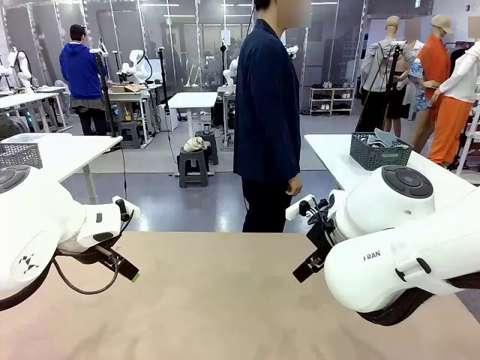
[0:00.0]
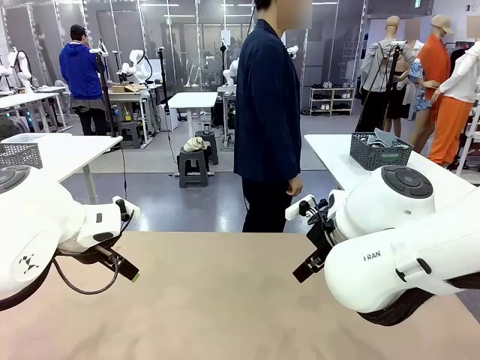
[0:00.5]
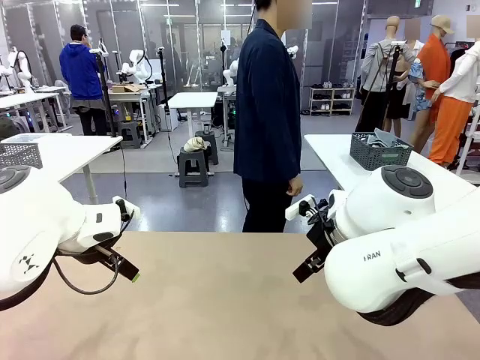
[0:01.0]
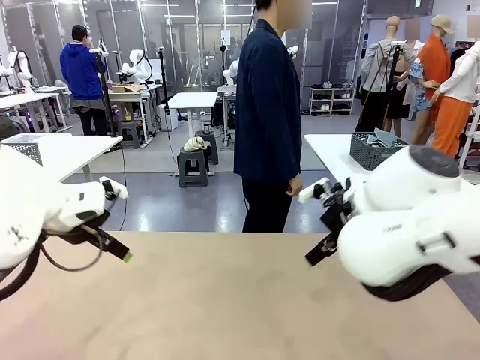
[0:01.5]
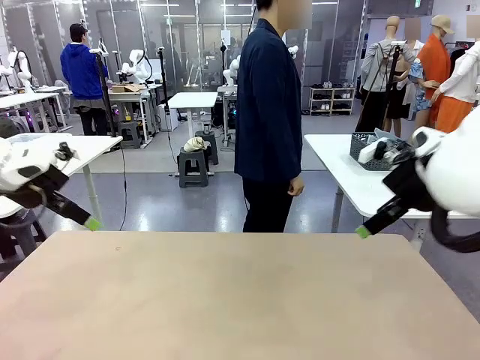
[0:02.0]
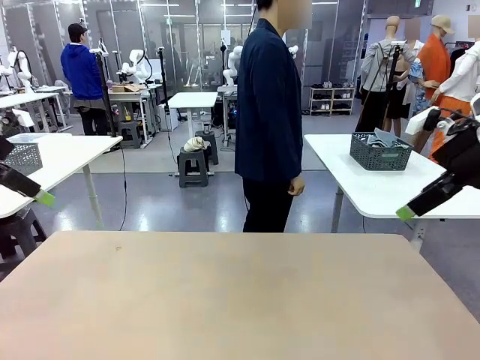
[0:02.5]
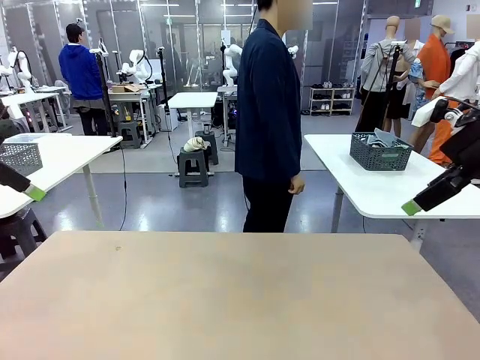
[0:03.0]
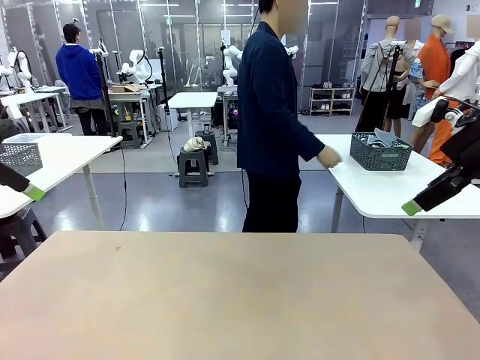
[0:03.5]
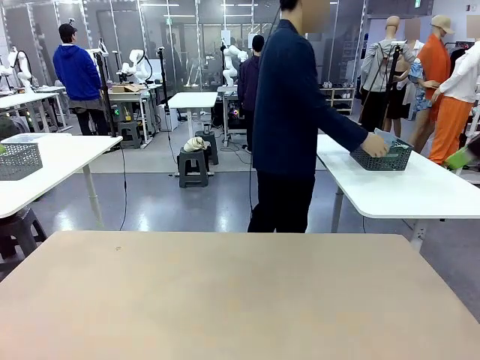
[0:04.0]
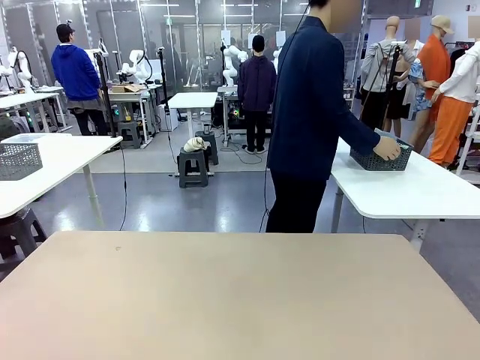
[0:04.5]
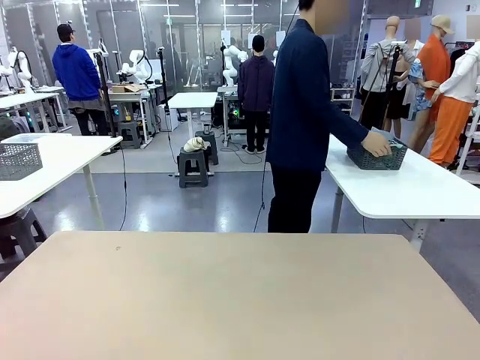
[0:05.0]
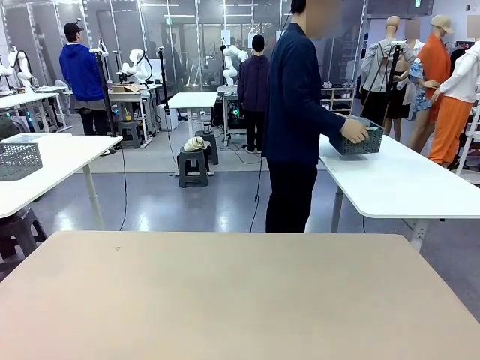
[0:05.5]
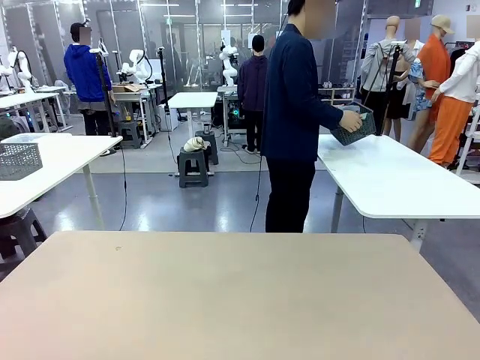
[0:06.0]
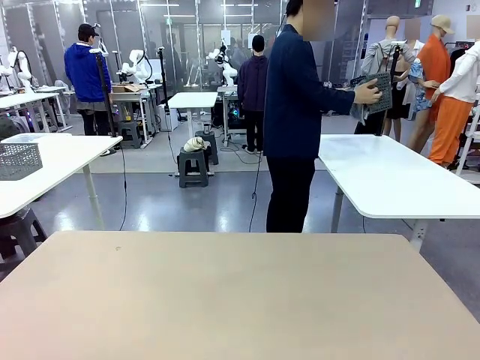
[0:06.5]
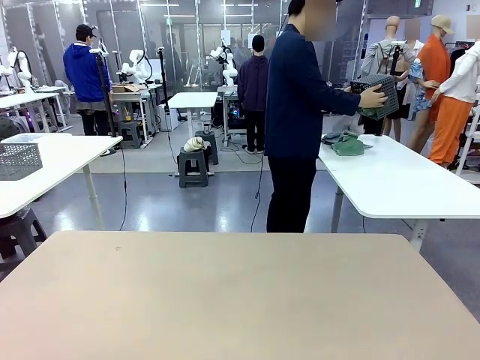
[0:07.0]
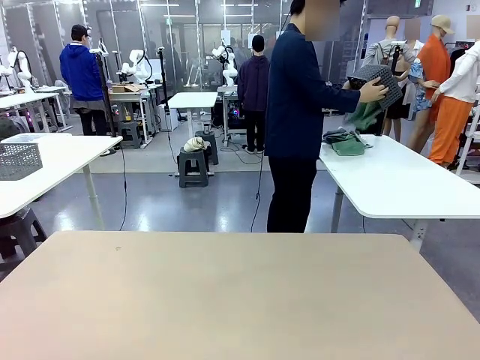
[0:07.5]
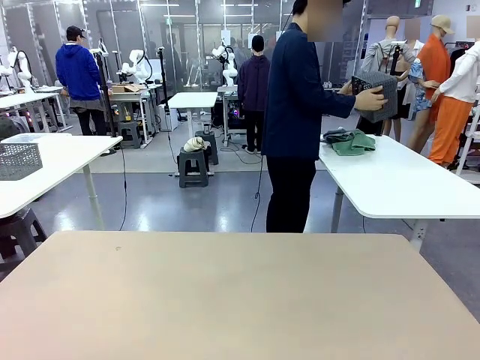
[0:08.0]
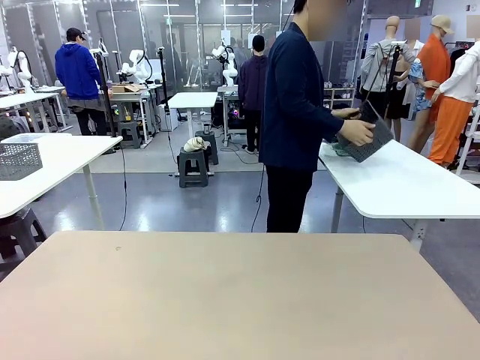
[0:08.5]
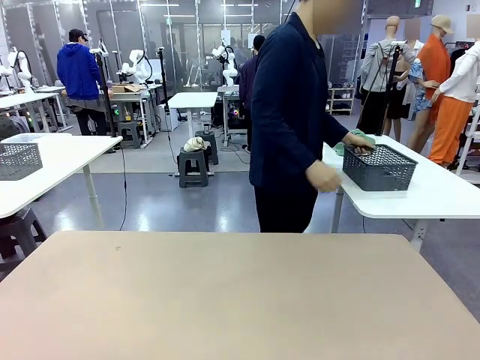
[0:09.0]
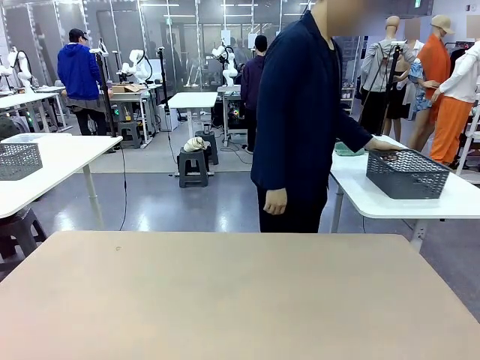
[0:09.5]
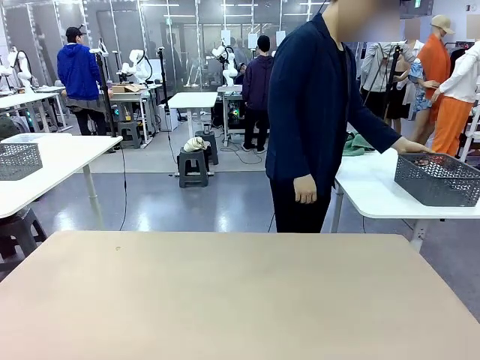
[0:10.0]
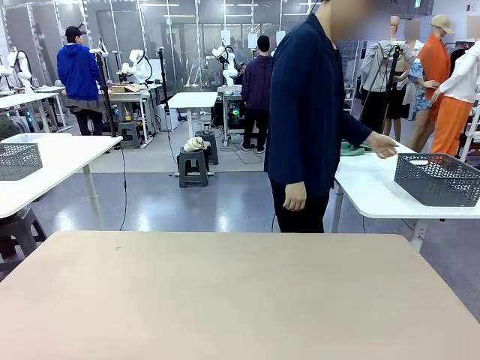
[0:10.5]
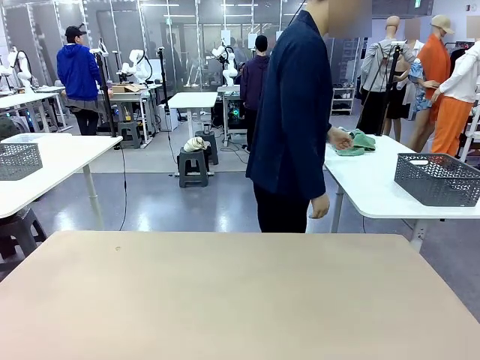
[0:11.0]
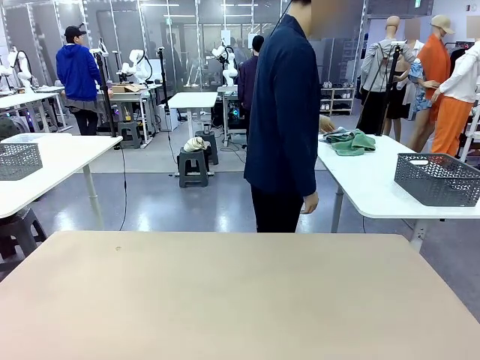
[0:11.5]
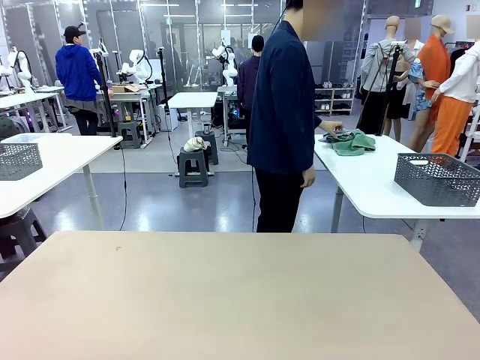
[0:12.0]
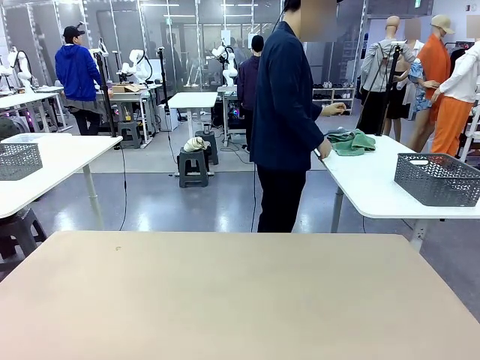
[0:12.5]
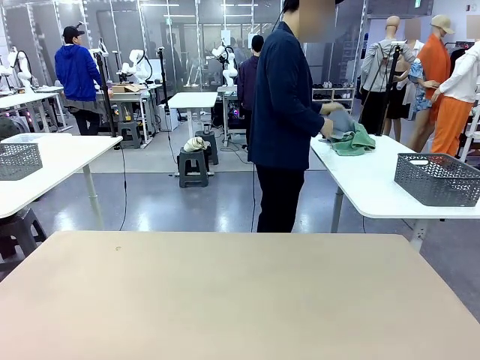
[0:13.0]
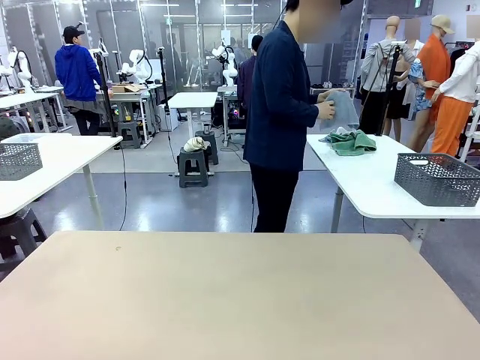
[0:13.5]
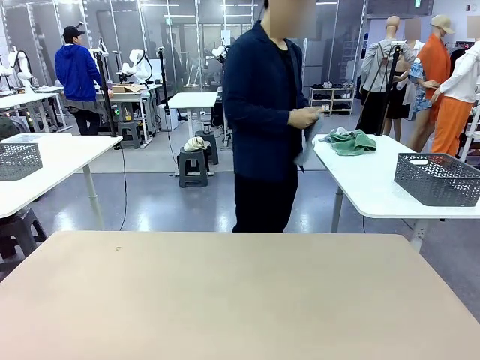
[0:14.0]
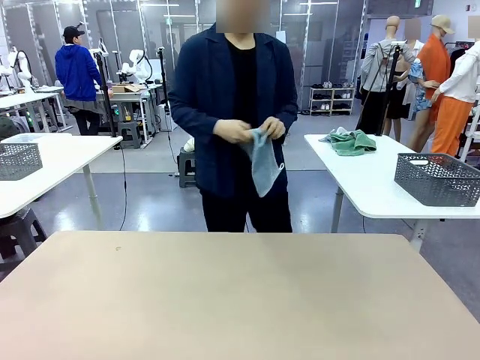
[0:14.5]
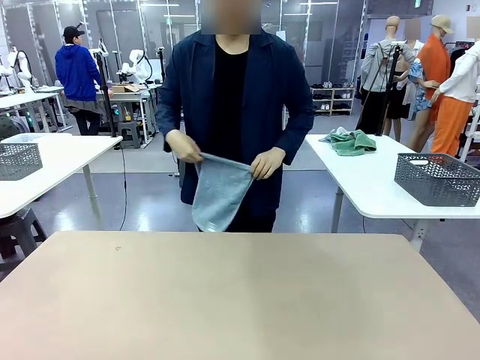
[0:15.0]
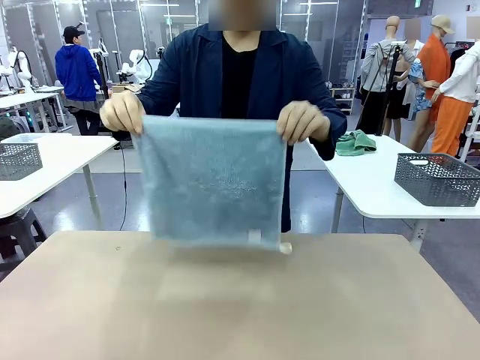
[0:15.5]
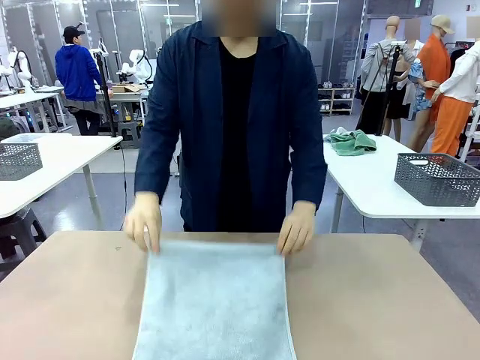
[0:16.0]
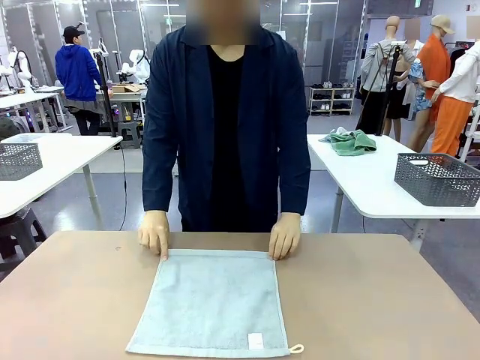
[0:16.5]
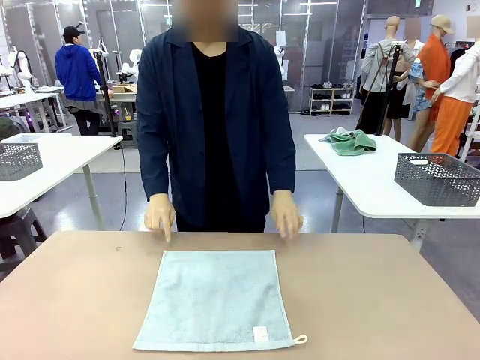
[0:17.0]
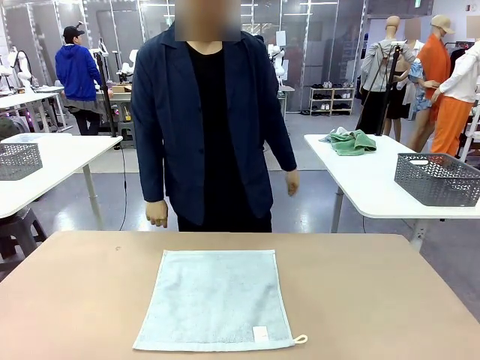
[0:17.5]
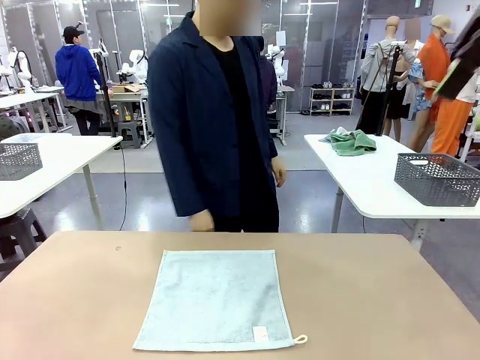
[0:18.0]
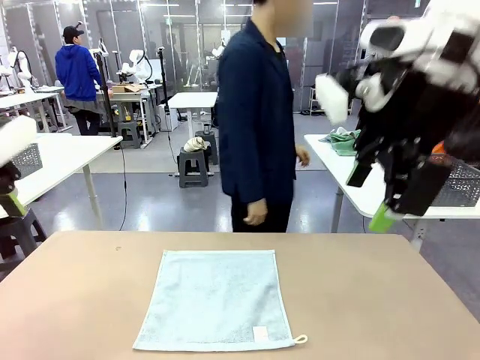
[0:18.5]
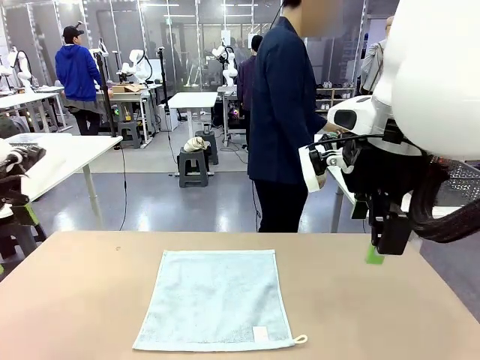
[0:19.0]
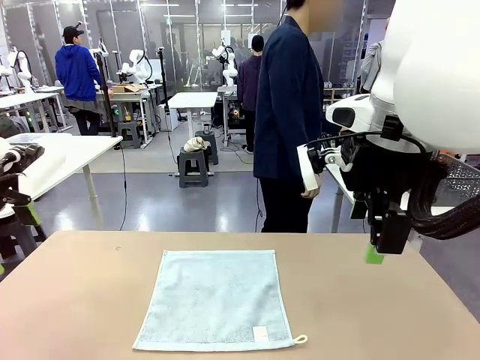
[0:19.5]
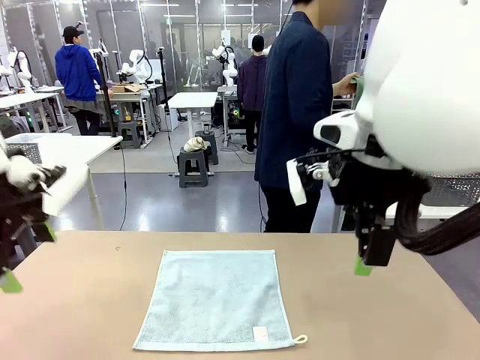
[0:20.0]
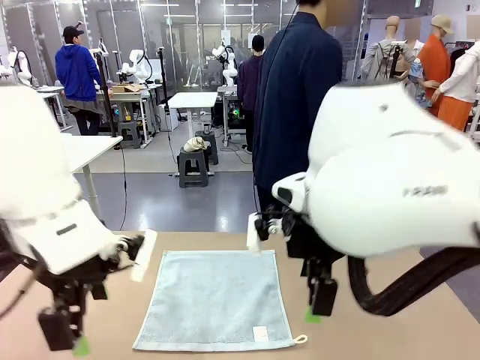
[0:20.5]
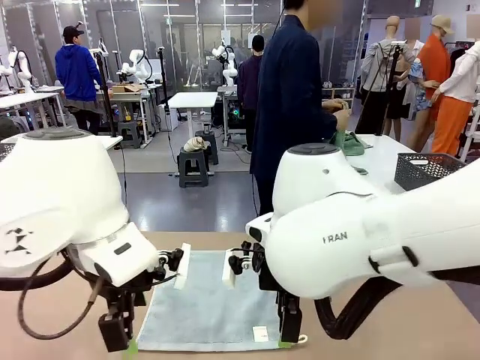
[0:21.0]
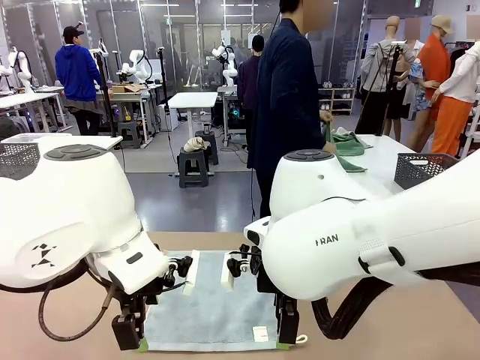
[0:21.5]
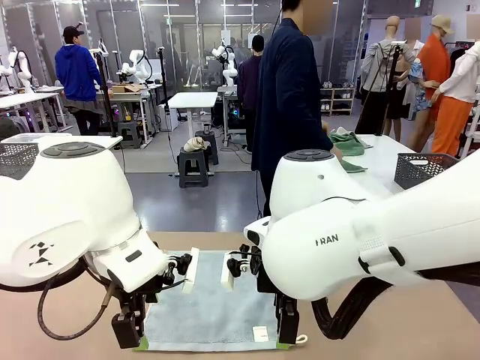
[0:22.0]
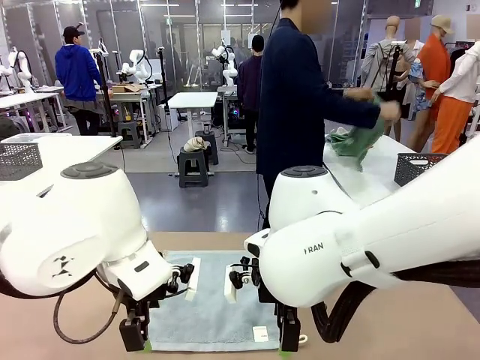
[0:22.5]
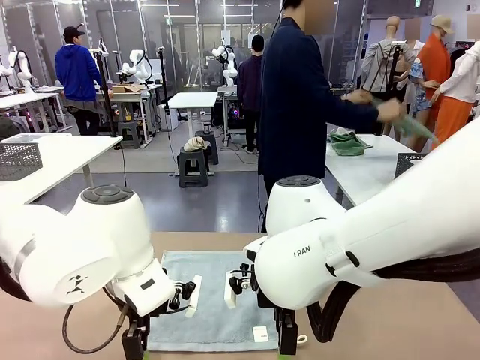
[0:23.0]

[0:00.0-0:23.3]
Task: Fold the towels and place them in the basket.
Robot: When a person lays out a Towel with hook on the table, fold it in half twice.
Person: Pick up the basket, pour the towels onto the left side of the human table, and place the basket on the right side. Pick up one towel and spread it out at the center of the robot table.
